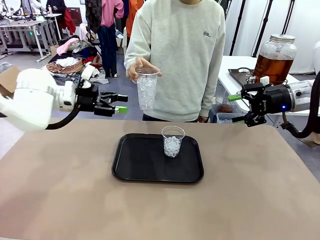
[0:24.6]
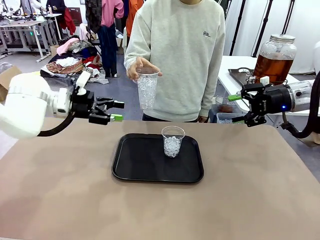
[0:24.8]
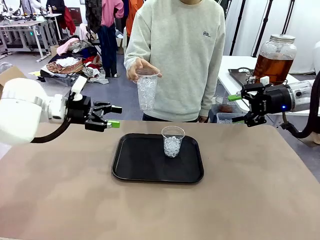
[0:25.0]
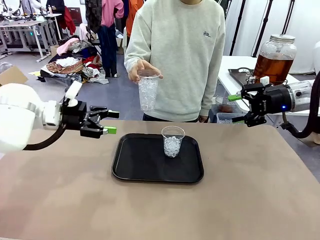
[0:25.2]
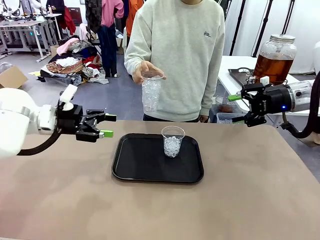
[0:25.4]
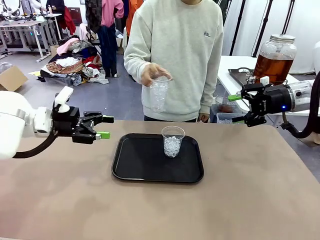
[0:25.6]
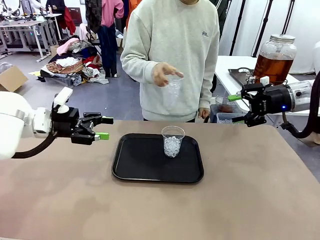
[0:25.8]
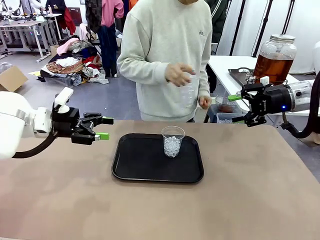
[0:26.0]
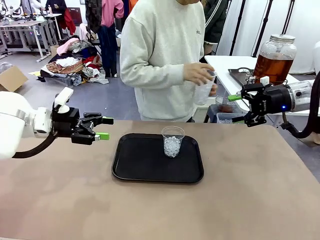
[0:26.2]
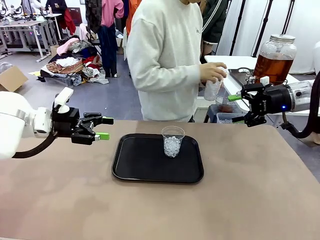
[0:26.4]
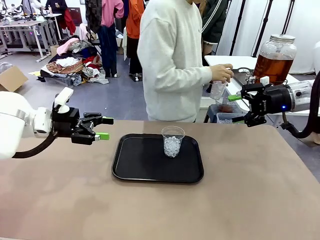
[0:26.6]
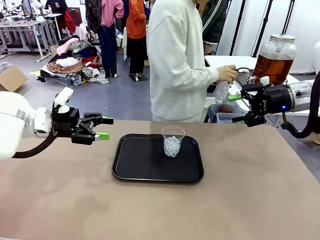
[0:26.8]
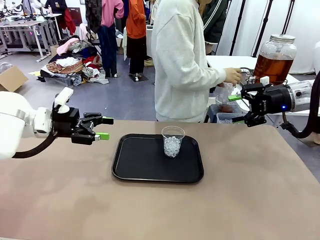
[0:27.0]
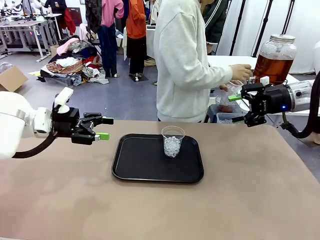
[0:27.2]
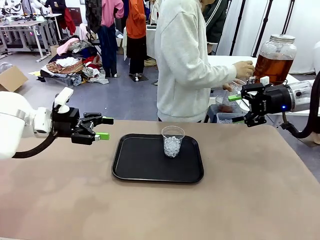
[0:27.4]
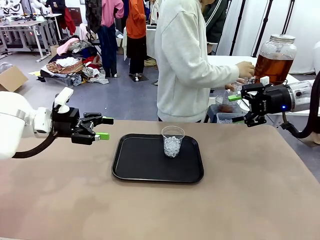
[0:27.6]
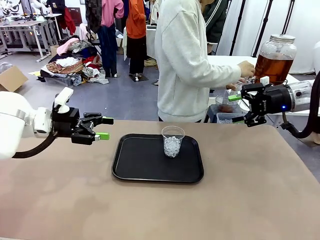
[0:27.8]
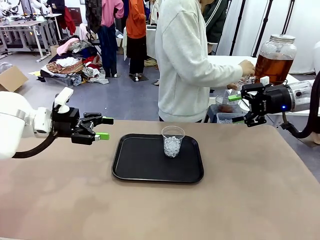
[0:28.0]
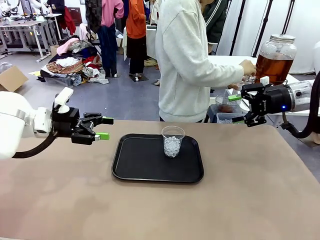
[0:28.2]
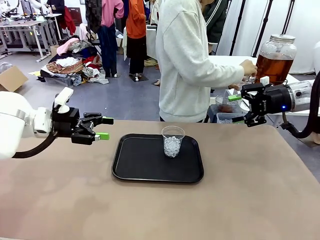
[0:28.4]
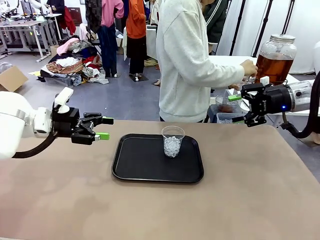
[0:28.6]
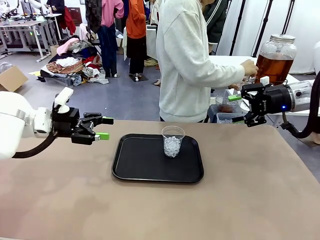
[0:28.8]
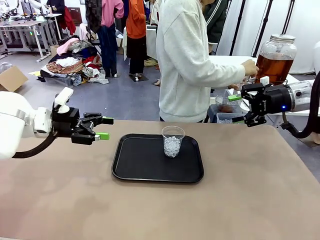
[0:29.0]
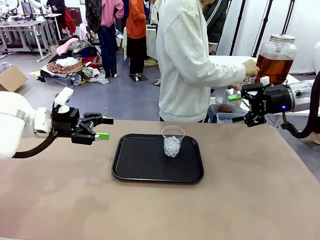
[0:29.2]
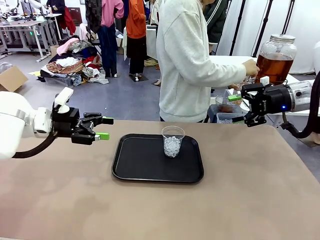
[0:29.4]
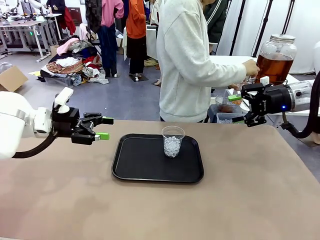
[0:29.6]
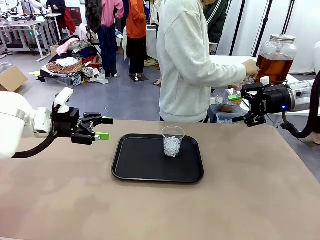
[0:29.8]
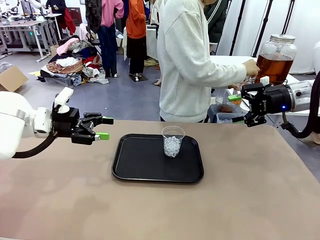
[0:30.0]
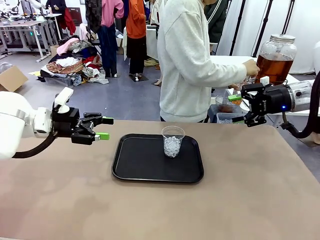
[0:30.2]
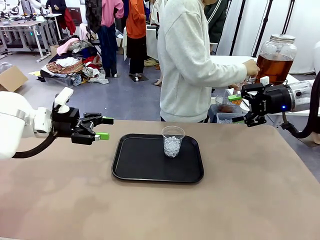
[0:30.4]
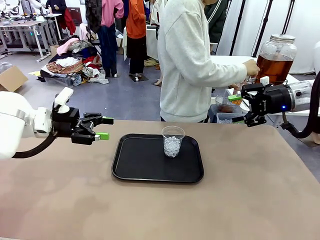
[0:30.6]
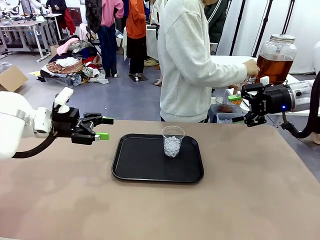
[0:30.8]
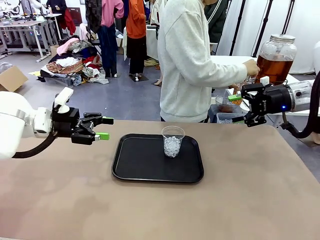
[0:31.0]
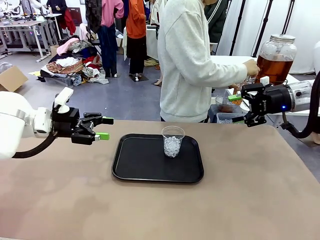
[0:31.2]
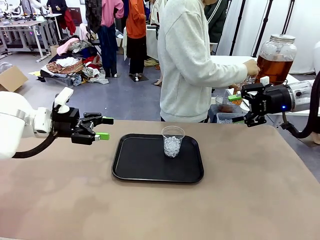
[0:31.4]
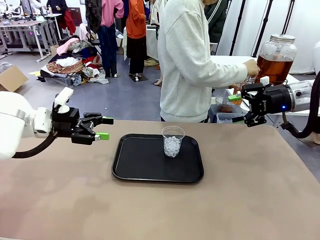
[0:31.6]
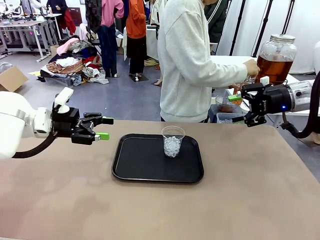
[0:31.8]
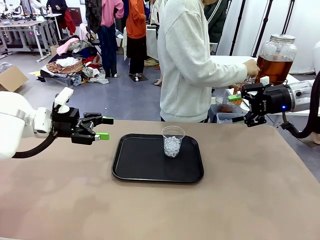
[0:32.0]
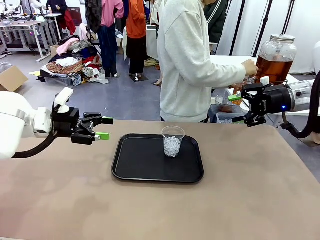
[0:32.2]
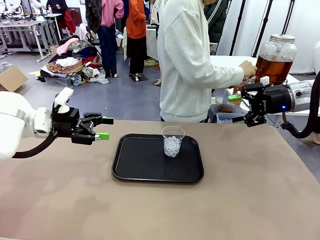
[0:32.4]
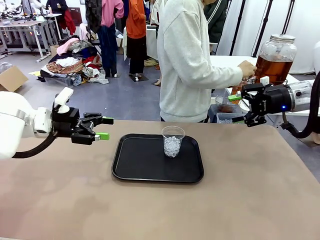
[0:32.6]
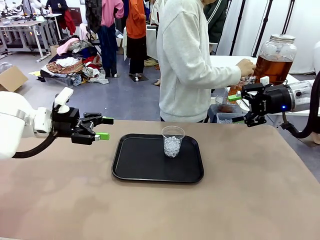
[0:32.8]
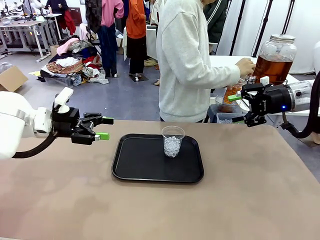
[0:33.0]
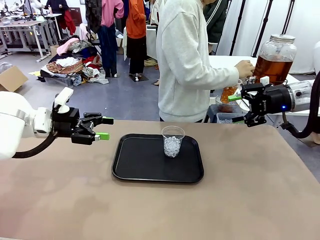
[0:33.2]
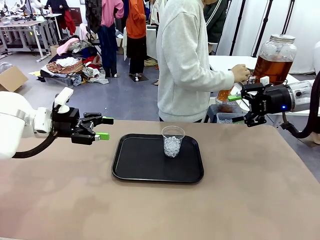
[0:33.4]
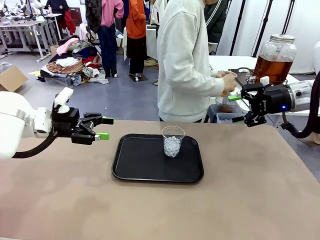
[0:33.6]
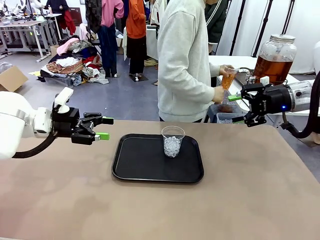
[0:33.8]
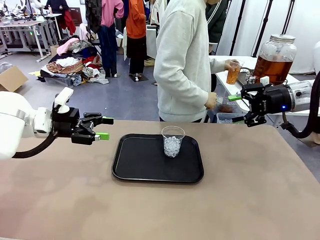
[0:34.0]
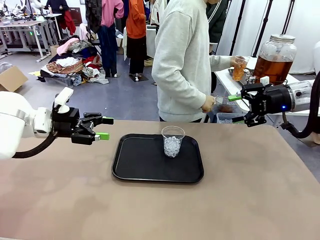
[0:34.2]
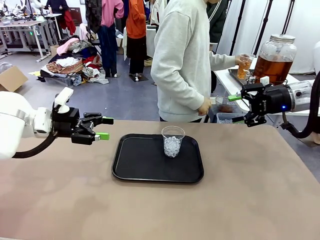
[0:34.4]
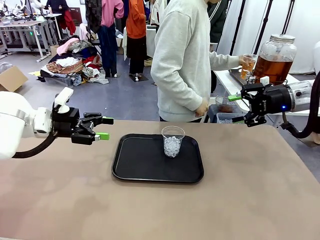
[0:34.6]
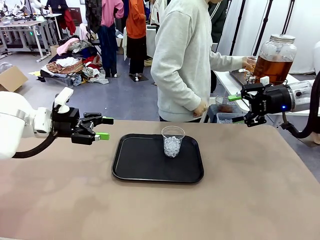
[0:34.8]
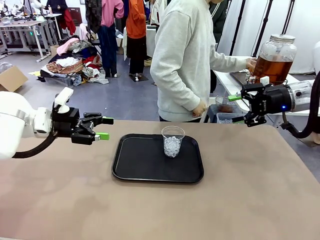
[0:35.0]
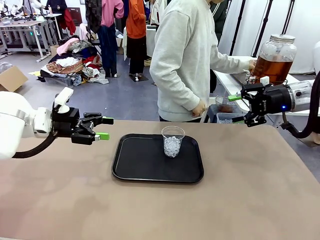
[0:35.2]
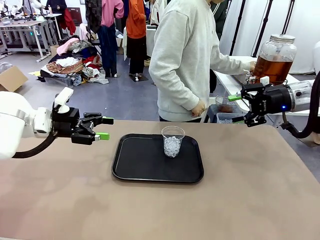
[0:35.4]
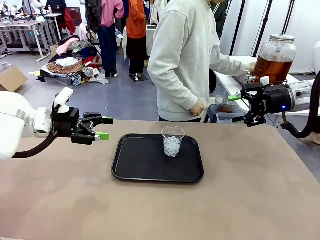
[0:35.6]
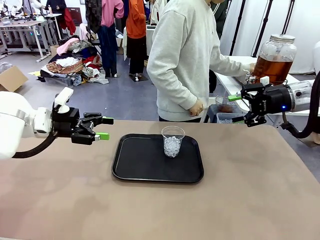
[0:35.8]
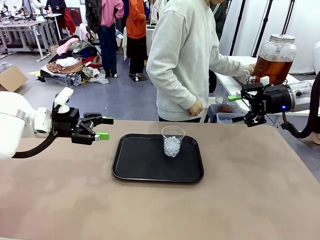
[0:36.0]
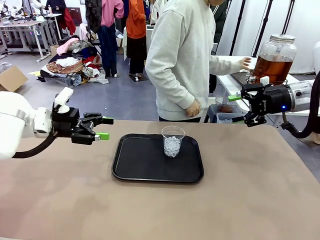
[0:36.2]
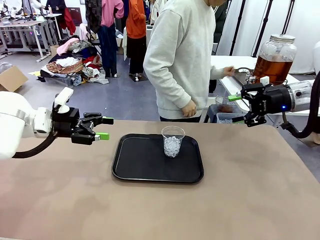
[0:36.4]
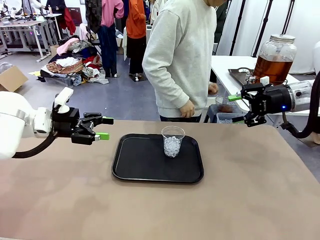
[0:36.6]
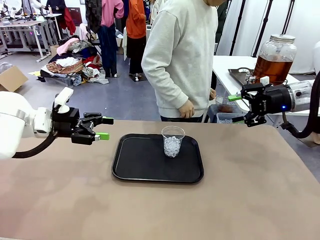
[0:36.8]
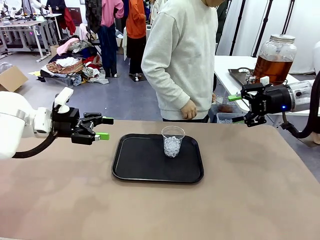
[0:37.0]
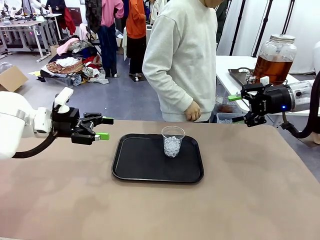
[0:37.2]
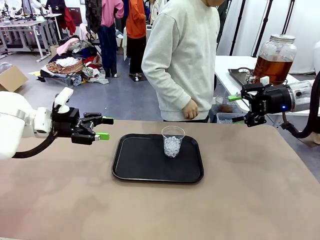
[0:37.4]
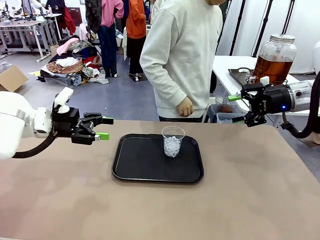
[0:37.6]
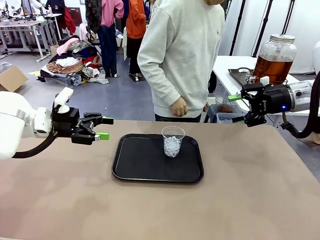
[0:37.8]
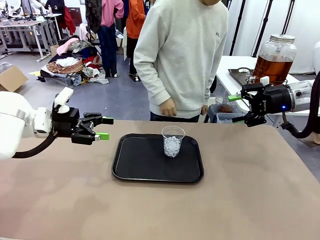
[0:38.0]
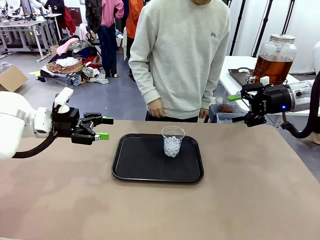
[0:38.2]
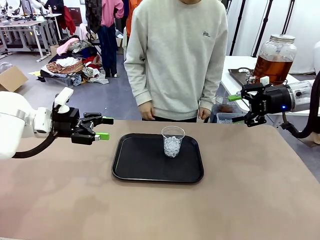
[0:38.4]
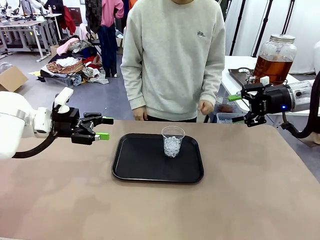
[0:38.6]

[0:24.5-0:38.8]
Task: Pour the drink into the iced cup.
Robot: Pick up the iced cup indicated by the human and present it to them.
Person: Move the picked-up cup under the dispenser faucet, pour the drink, and place it on the tray on the human table.
